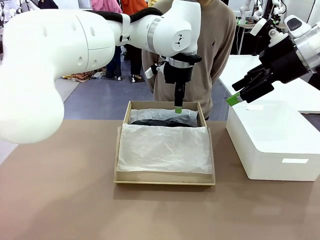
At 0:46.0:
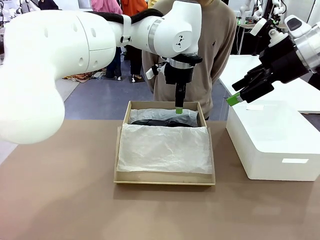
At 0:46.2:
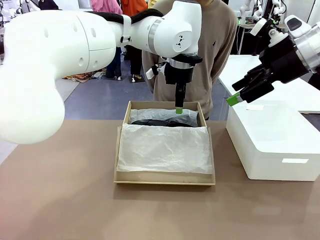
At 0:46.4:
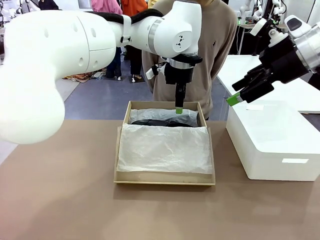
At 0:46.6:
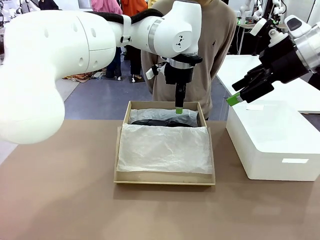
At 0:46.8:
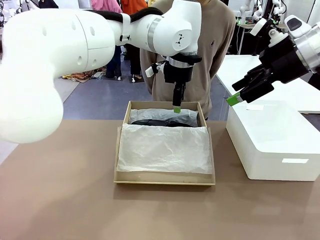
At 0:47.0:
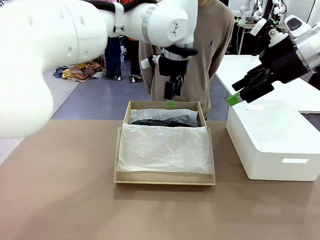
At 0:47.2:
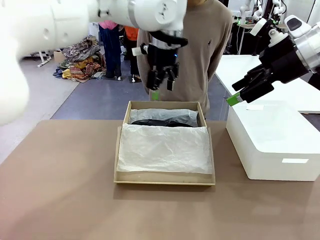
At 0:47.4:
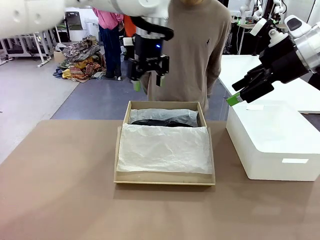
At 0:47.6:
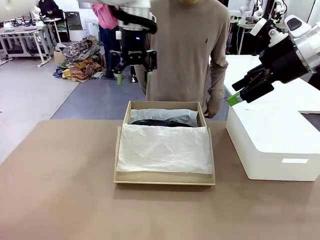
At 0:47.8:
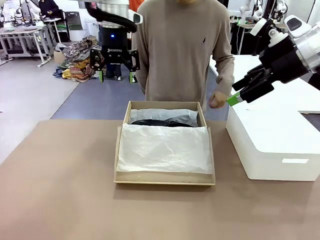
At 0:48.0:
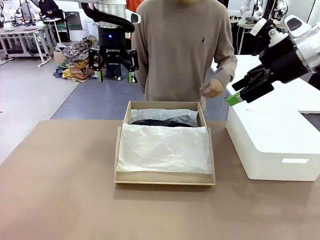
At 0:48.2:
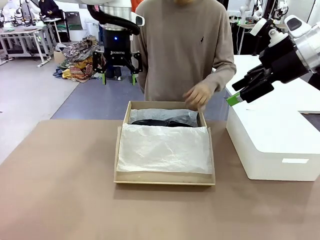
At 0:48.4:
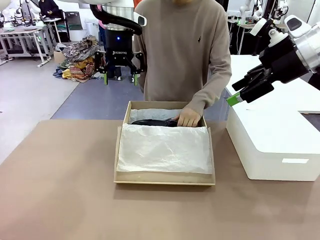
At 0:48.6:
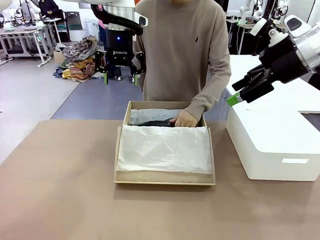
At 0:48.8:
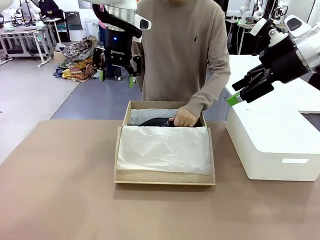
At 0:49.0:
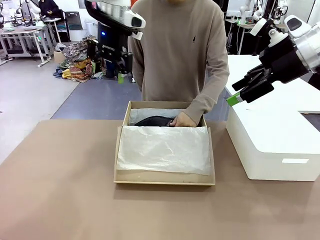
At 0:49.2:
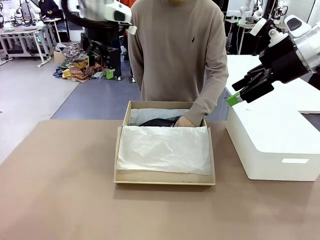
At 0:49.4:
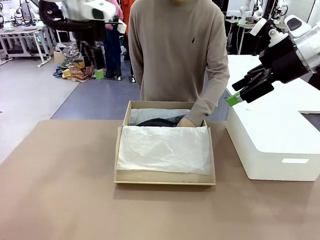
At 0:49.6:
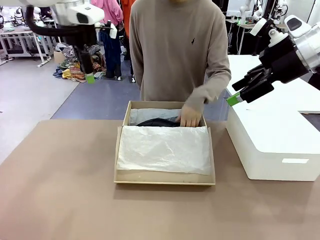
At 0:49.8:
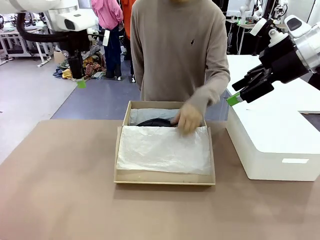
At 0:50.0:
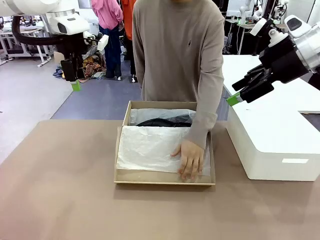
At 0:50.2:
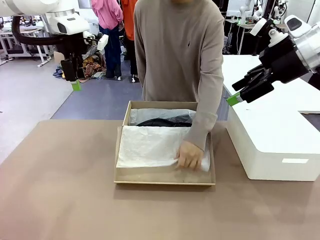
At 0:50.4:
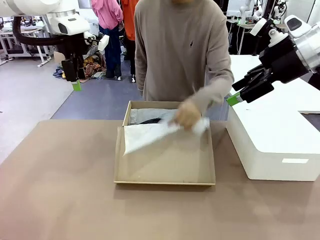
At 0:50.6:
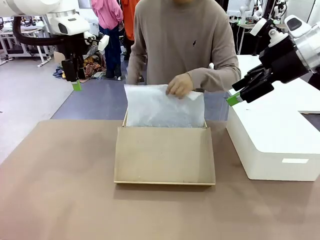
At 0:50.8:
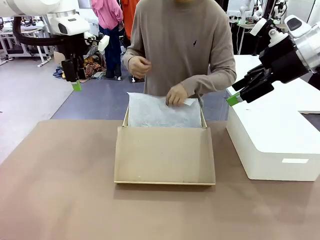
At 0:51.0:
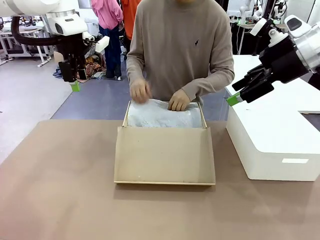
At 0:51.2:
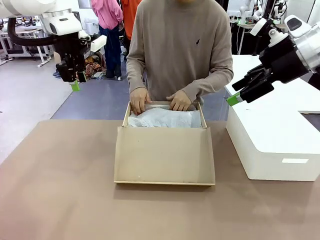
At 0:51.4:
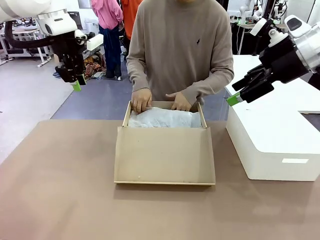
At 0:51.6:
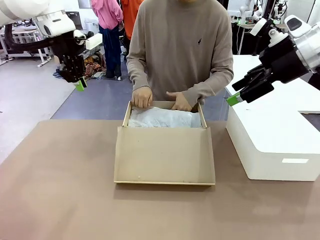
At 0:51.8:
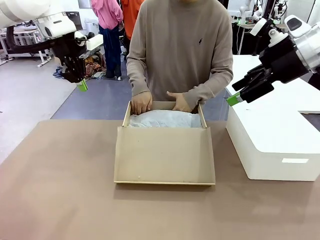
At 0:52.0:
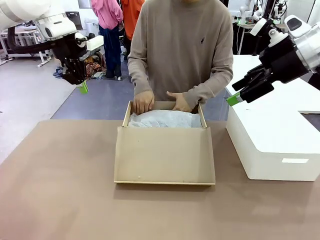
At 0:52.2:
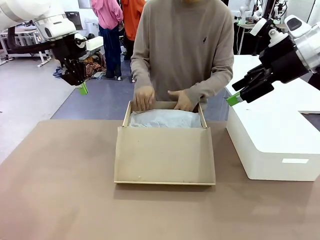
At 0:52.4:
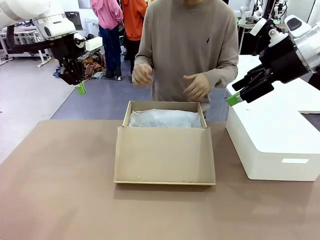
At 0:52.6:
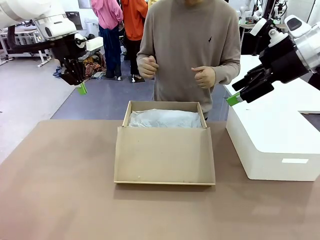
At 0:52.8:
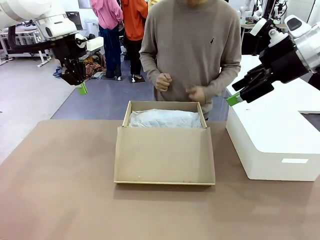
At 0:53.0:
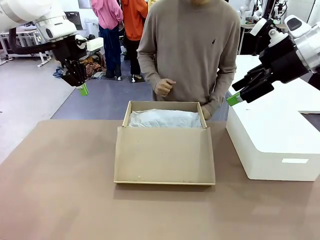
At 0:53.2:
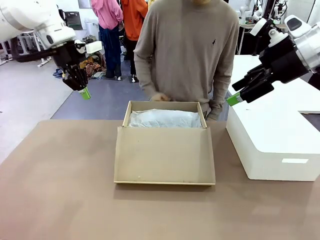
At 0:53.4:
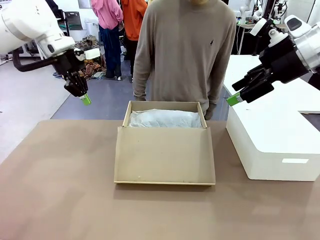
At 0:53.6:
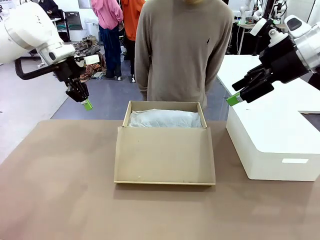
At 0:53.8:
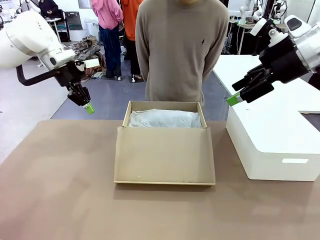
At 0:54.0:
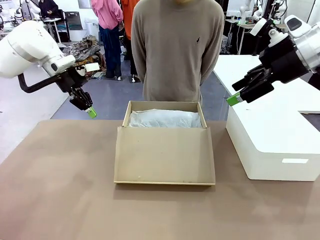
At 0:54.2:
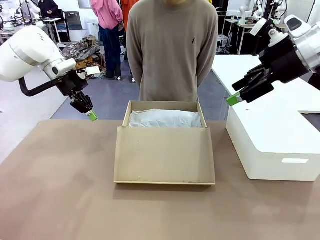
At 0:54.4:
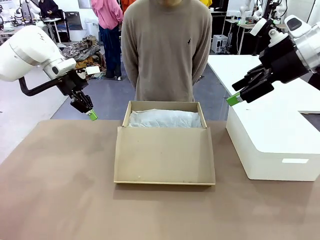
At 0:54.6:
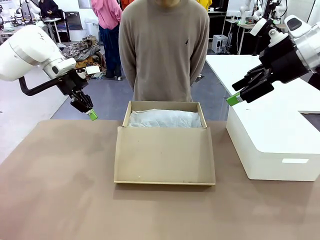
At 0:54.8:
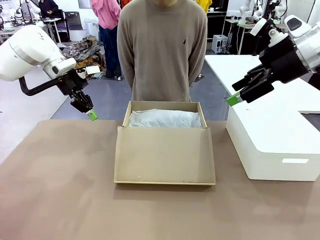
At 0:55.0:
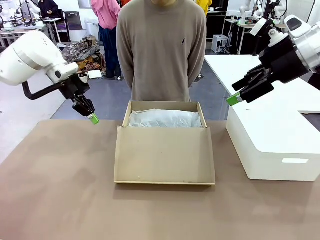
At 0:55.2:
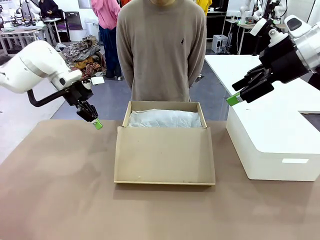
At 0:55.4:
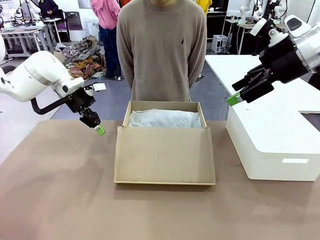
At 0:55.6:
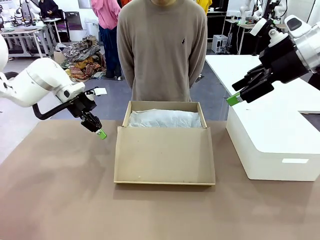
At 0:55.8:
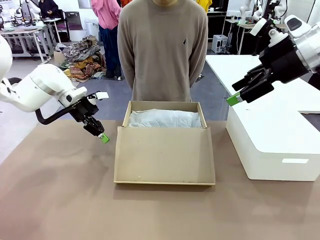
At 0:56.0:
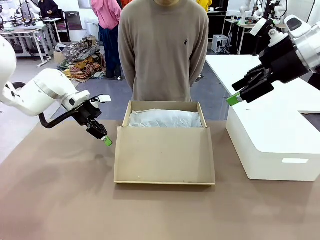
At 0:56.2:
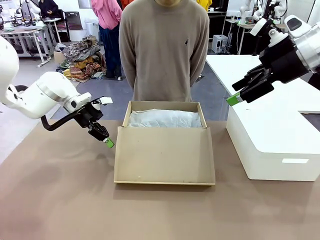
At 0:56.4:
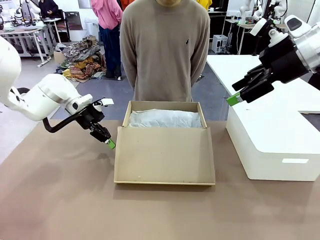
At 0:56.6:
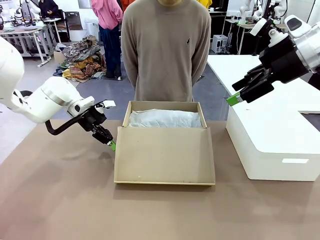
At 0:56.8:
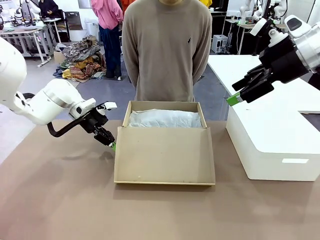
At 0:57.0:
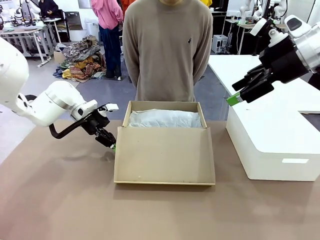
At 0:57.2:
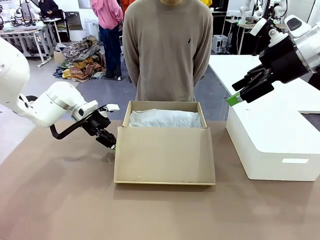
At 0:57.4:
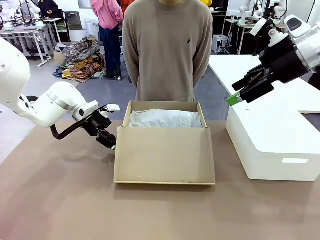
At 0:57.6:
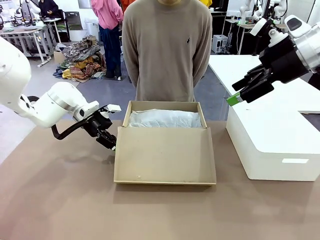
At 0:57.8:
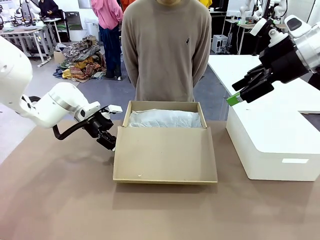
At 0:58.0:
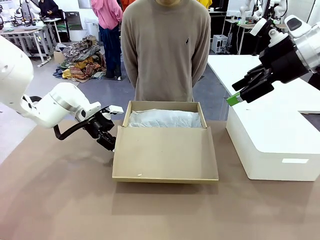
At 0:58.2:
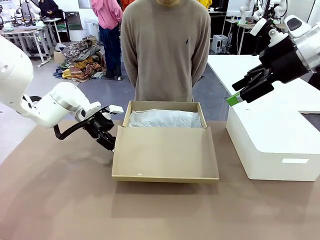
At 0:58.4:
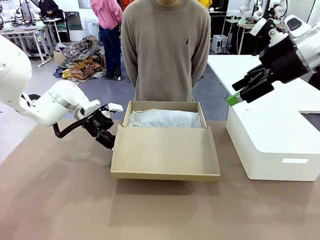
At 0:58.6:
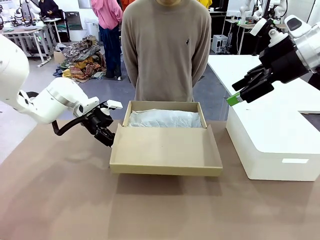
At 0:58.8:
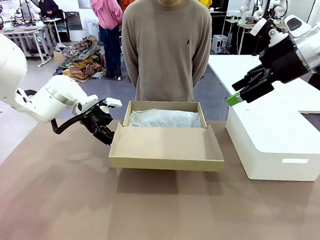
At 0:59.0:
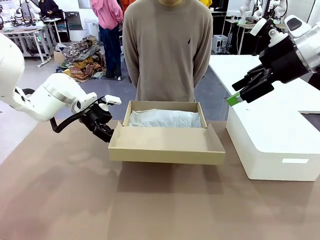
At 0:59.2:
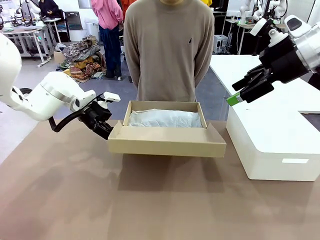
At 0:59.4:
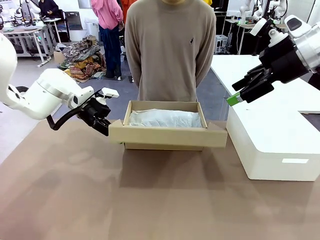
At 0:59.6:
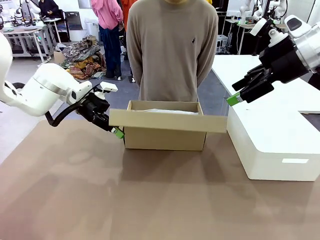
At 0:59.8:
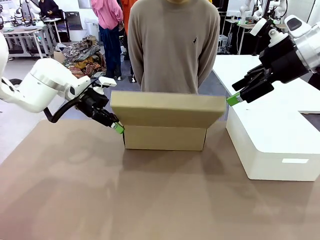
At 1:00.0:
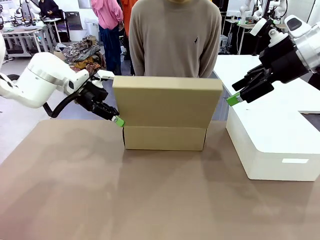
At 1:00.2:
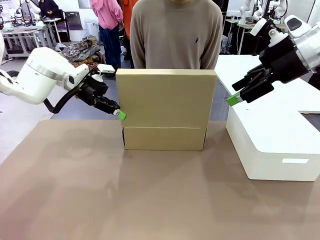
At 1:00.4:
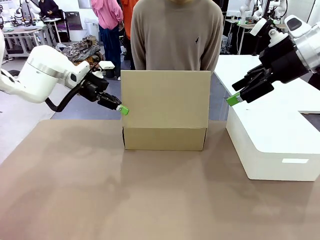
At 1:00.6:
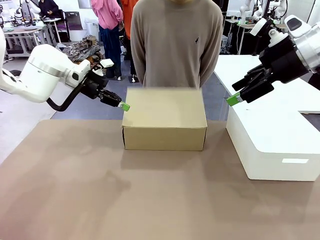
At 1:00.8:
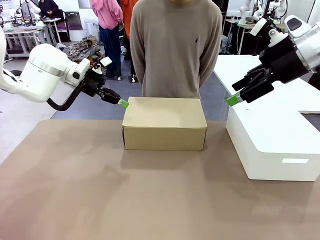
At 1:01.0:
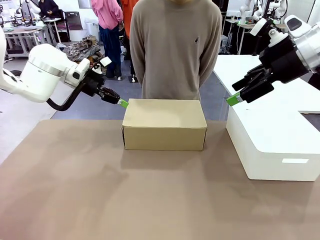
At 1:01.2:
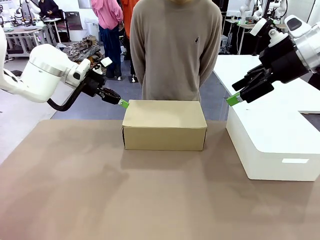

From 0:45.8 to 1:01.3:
Task: Pack the shoes into the box.
Robot: Close the Shoes Box.
